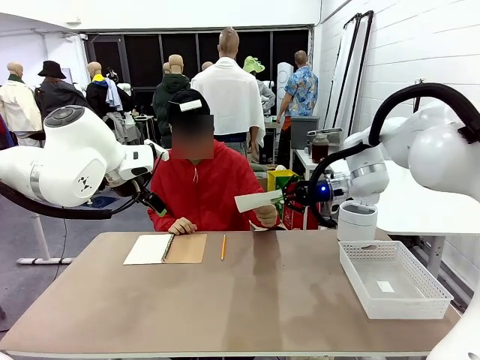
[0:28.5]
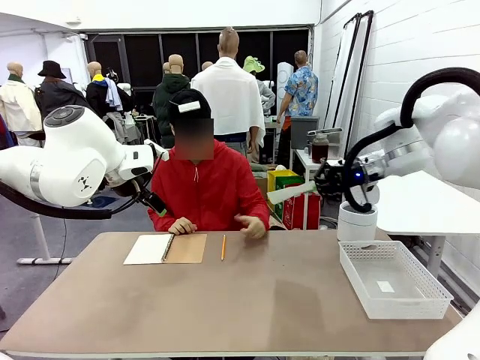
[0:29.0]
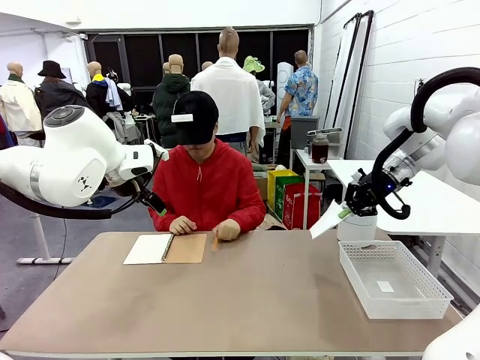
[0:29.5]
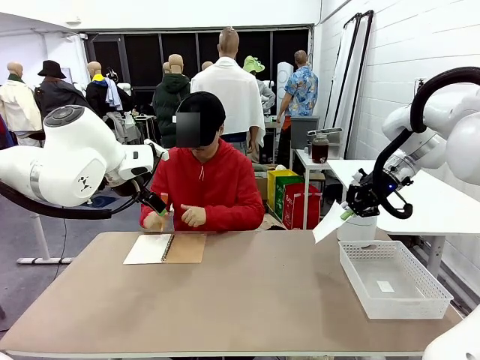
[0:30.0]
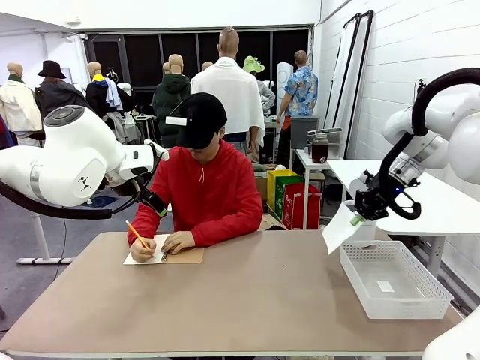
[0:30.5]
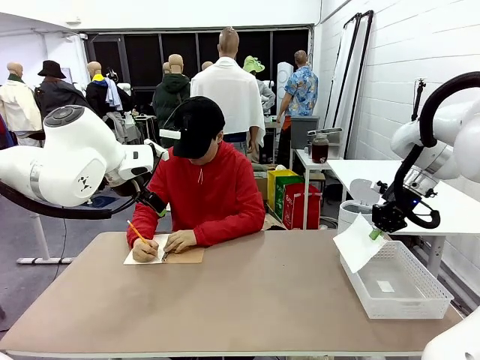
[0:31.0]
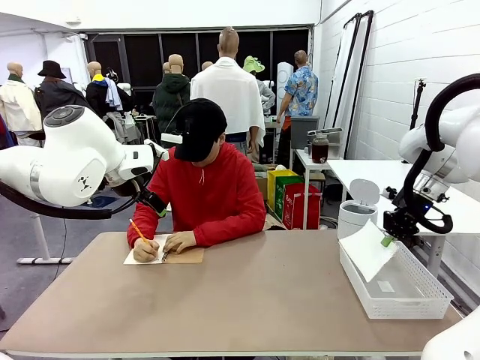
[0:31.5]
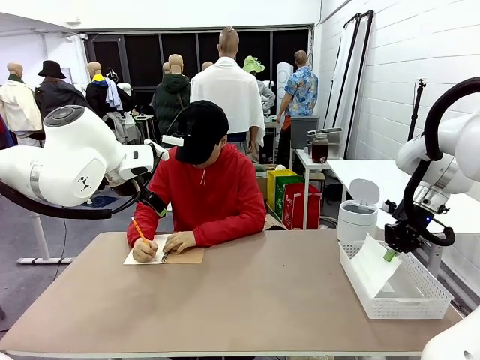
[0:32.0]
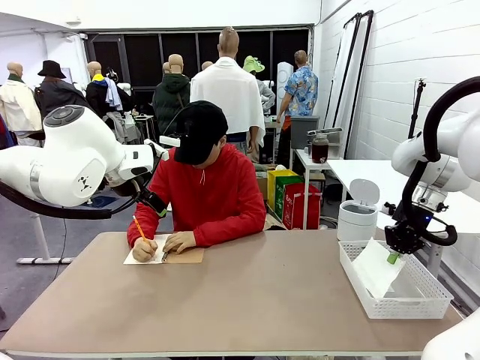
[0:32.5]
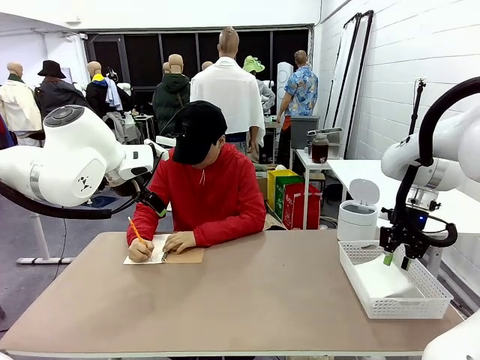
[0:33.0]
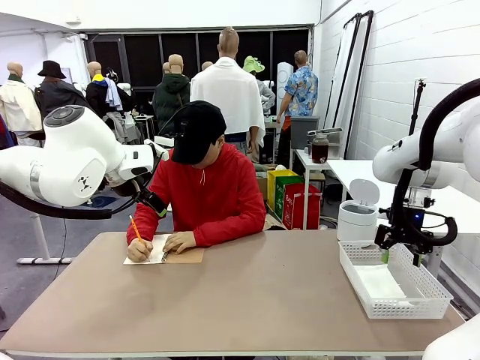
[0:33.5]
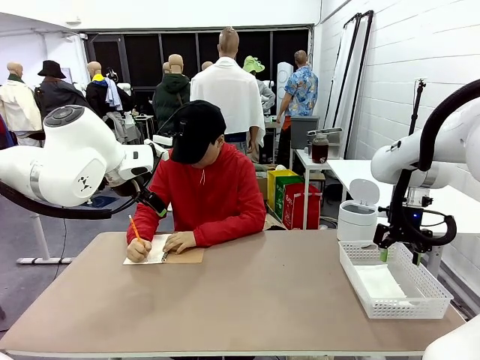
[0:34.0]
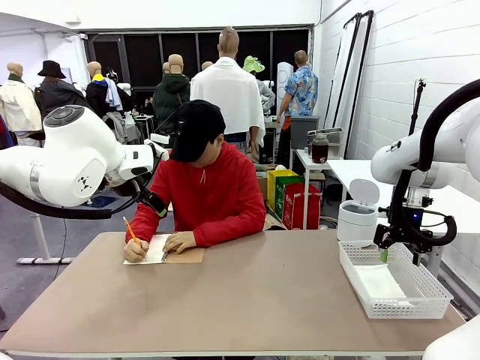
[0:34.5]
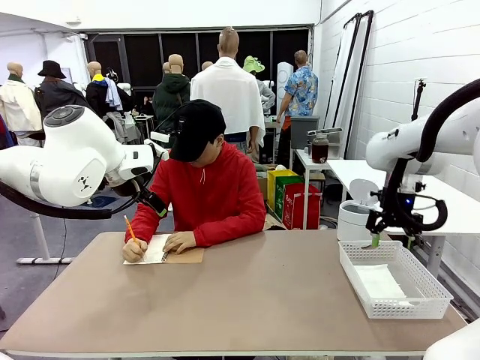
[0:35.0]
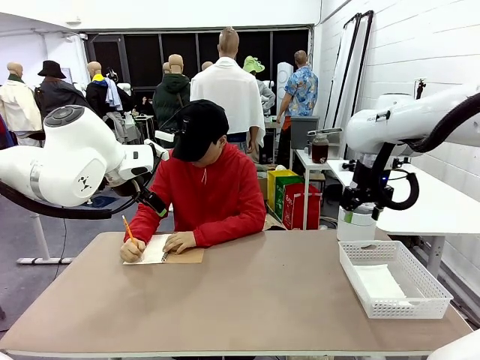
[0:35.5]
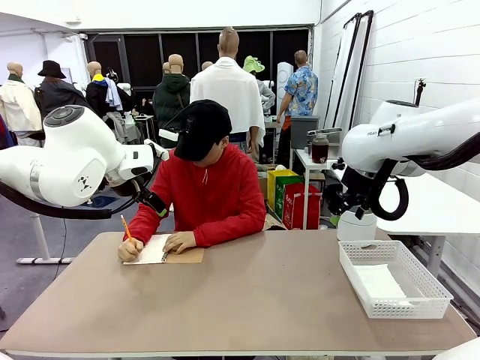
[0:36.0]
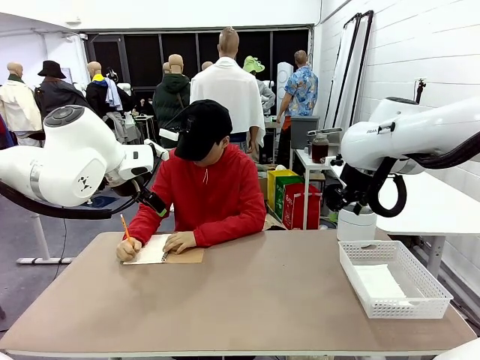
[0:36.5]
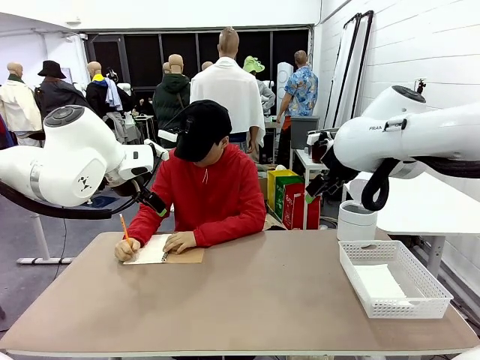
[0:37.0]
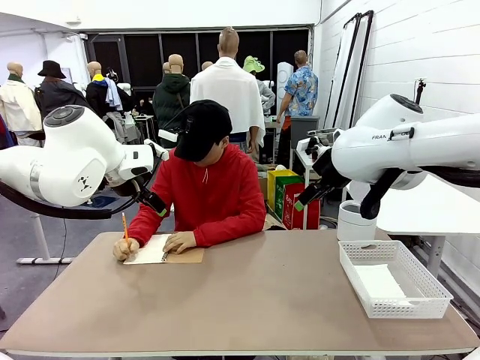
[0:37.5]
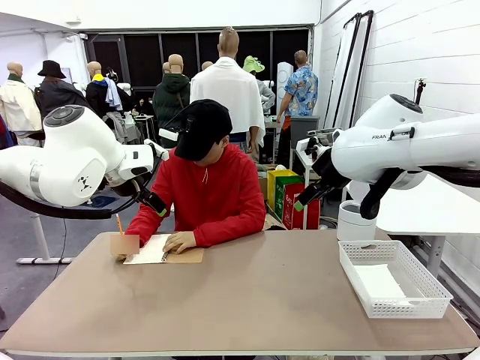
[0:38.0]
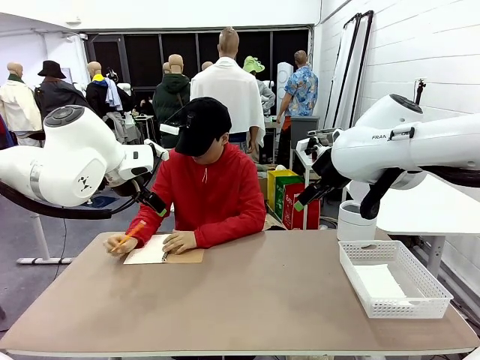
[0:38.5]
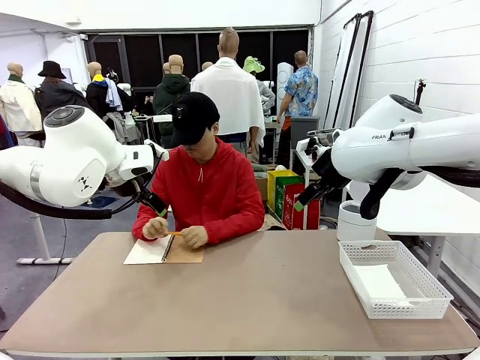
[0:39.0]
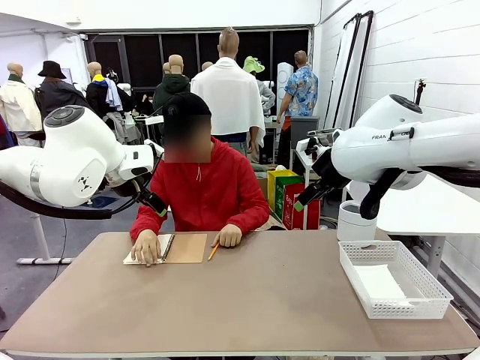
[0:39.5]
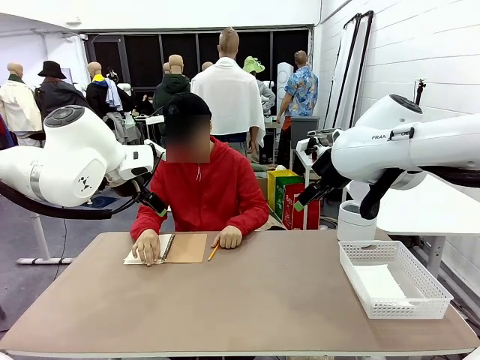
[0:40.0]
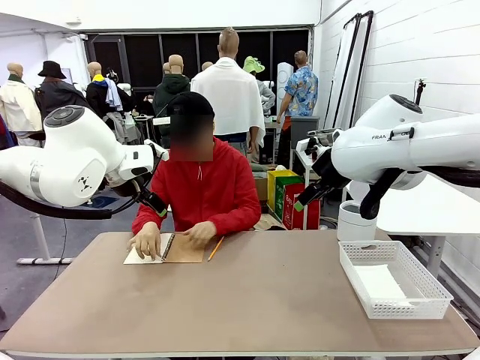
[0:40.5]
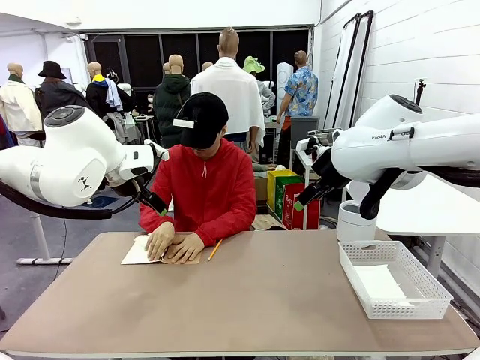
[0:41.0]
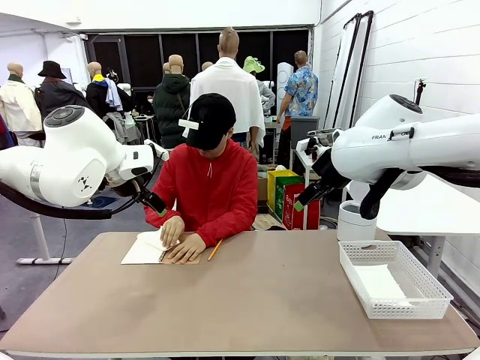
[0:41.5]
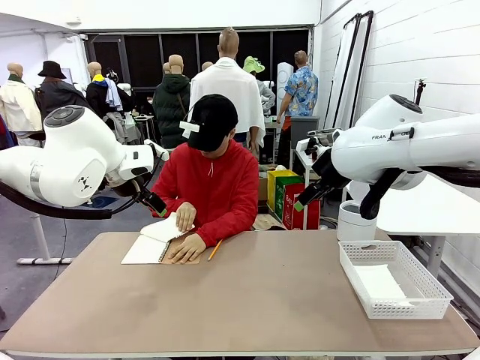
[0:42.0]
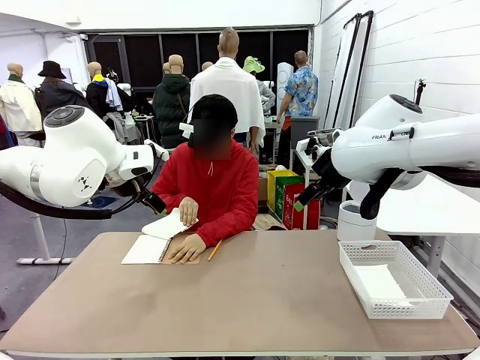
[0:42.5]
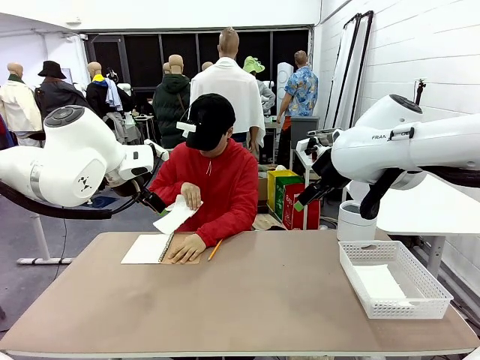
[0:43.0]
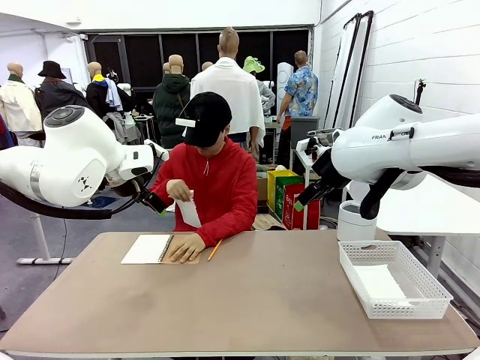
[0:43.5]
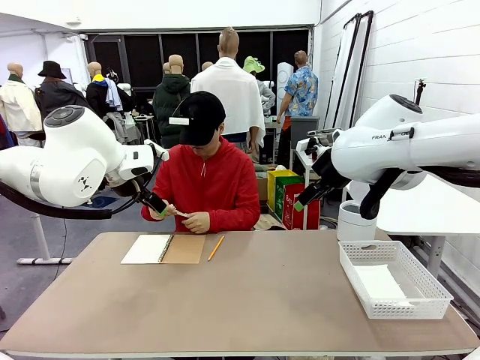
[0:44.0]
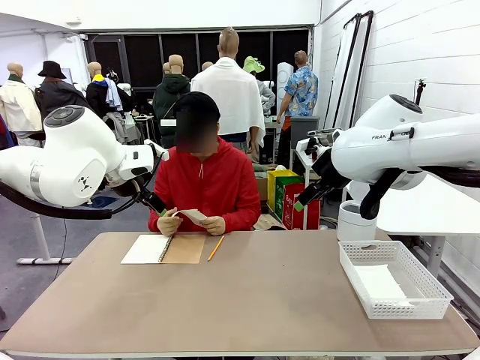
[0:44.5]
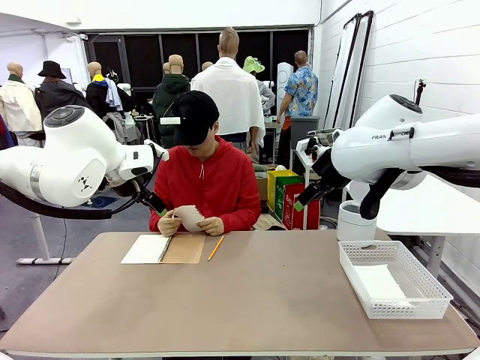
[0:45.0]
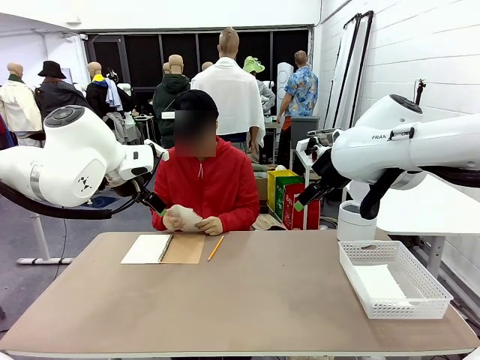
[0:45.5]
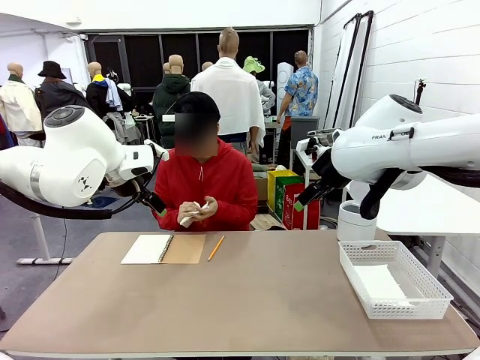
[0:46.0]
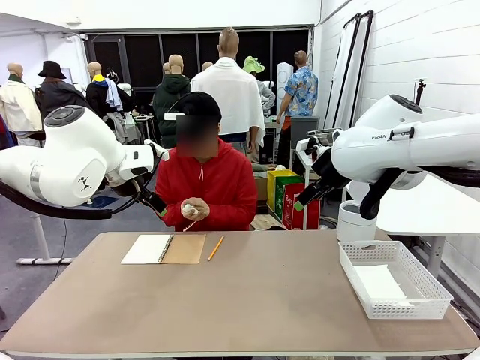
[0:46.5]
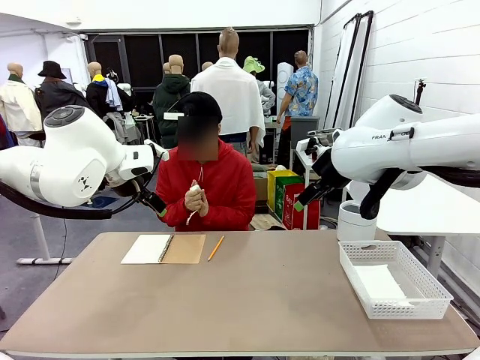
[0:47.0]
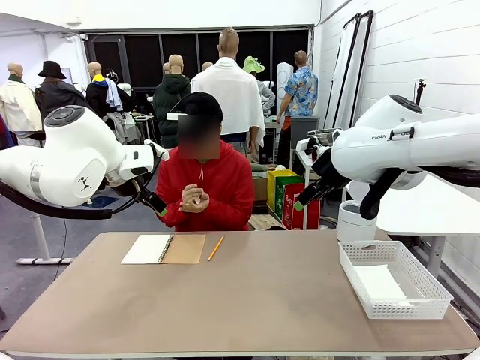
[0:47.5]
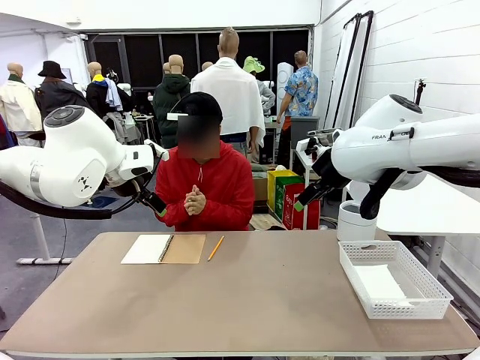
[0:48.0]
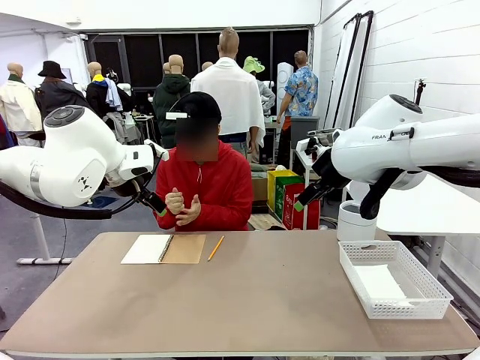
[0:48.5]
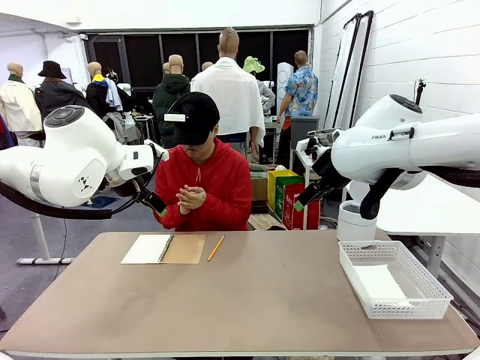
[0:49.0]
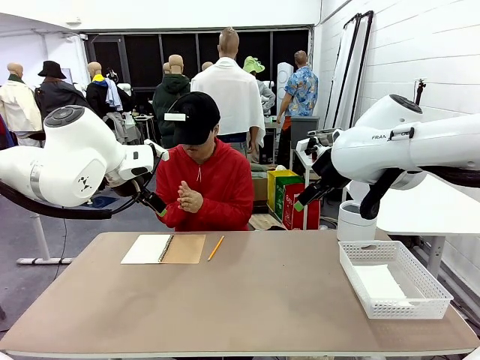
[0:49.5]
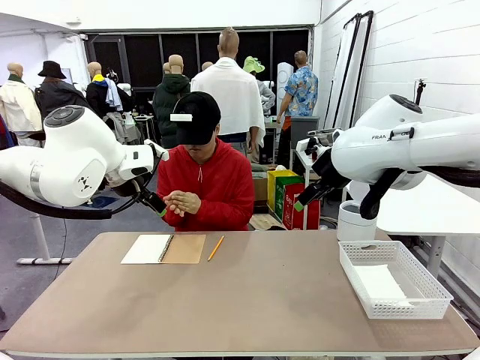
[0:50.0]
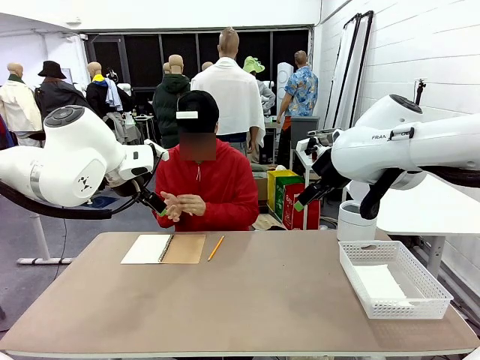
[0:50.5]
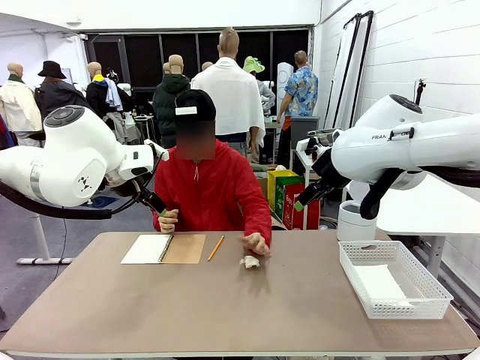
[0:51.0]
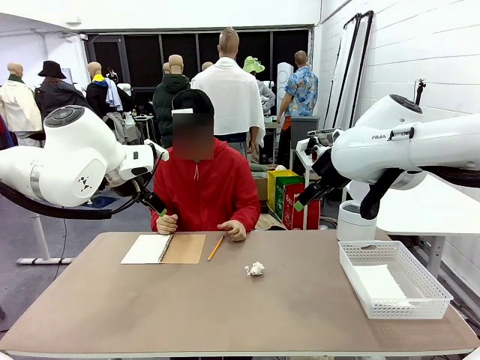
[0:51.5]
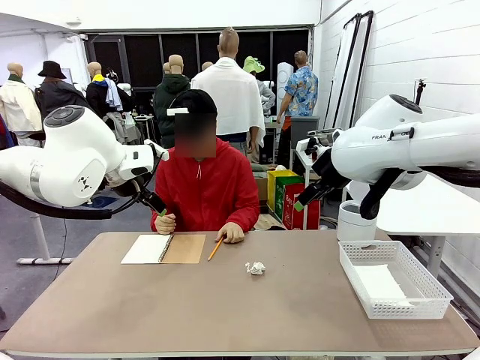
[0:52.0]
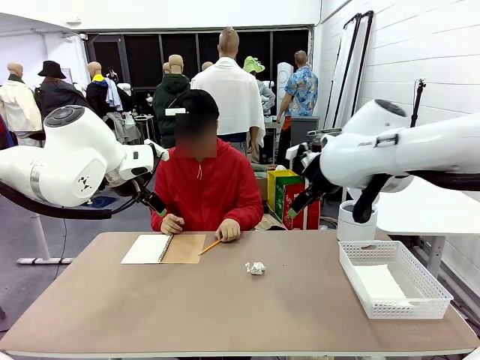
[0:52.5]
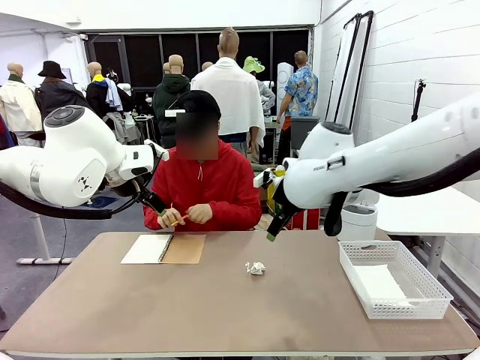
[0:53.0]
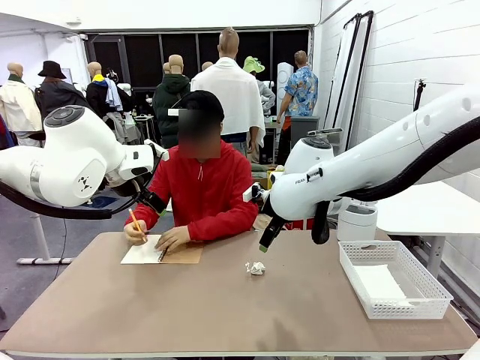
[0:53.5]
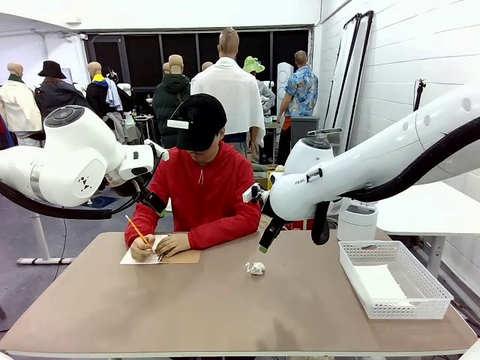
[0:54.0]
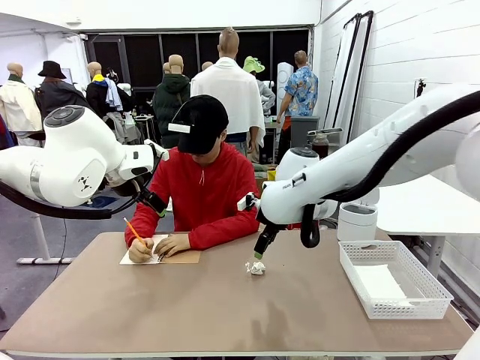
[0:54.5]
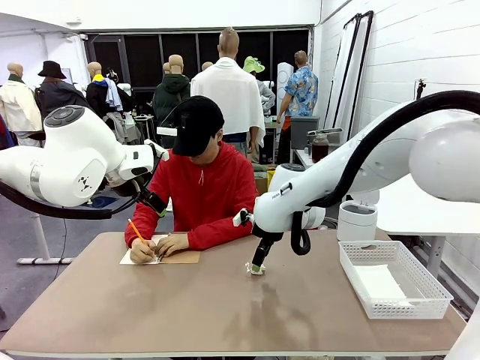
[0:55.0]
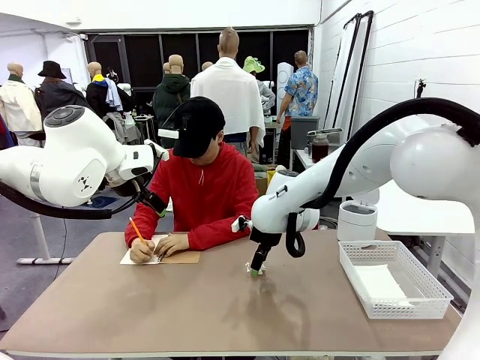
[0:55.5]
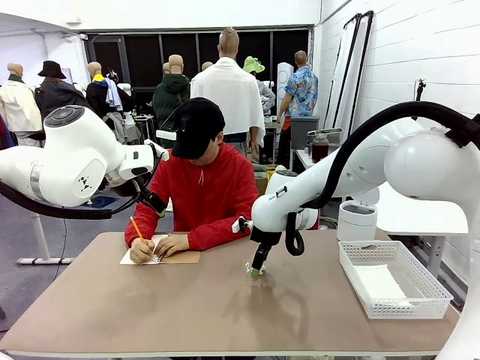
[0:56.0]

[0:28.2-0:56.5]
Task: Sort the paper based on its condition.
Robot: If a person hands you a paper, place it in the Organizing basket , and if it's crumpled, put it in the Trash can.
Person: Tear out a page from the spiral notebook. Hand the torn page to the robot or crumple it and throw it to the center of the table.
